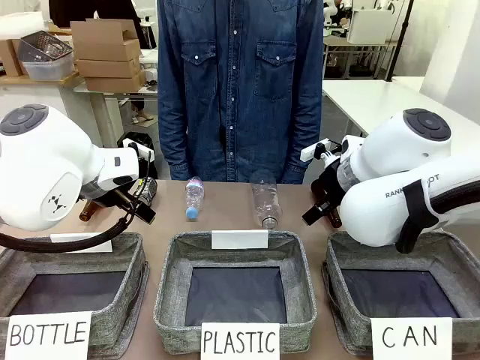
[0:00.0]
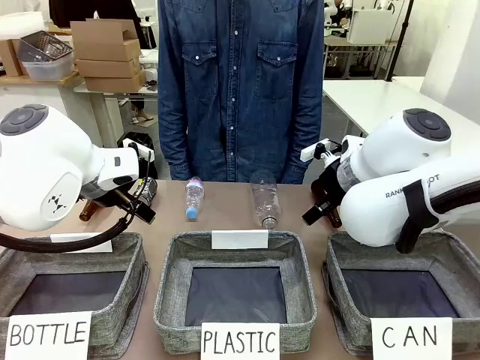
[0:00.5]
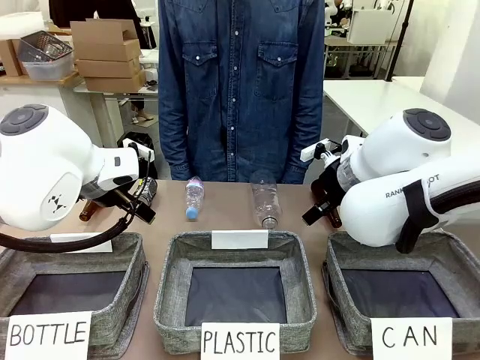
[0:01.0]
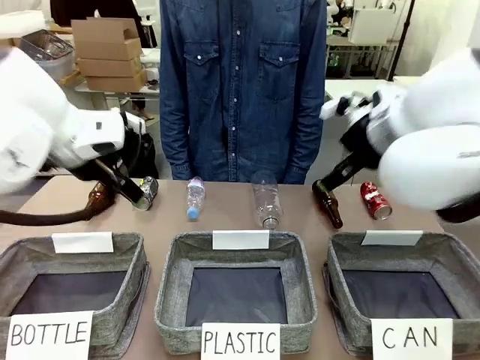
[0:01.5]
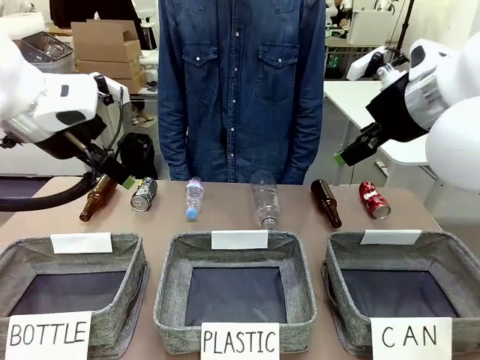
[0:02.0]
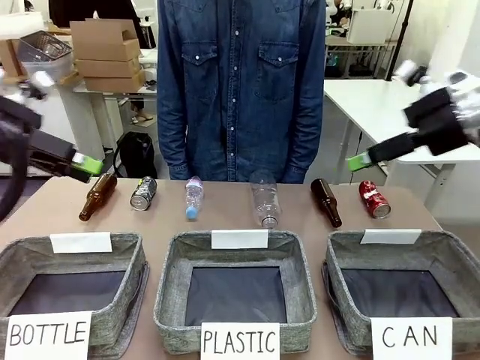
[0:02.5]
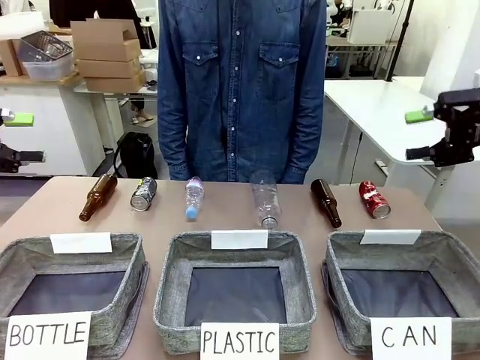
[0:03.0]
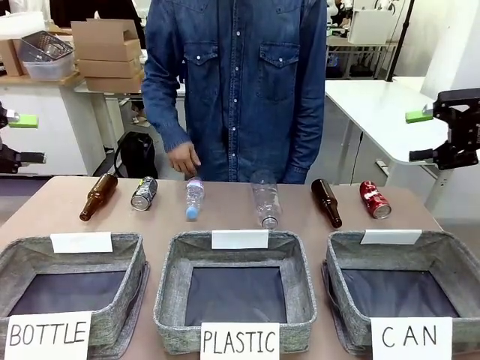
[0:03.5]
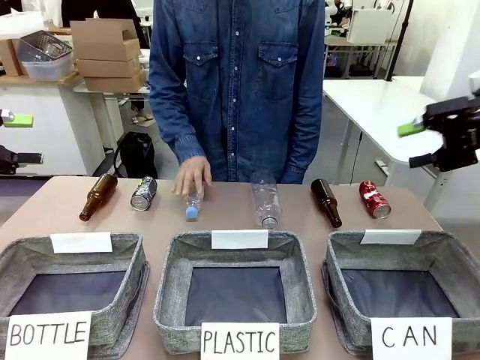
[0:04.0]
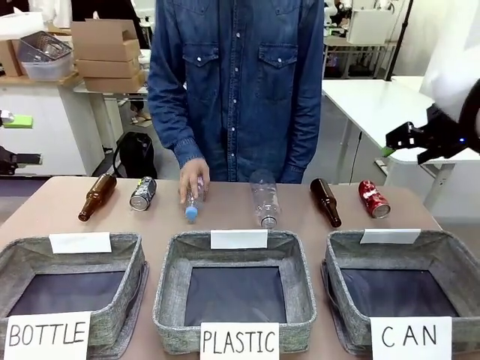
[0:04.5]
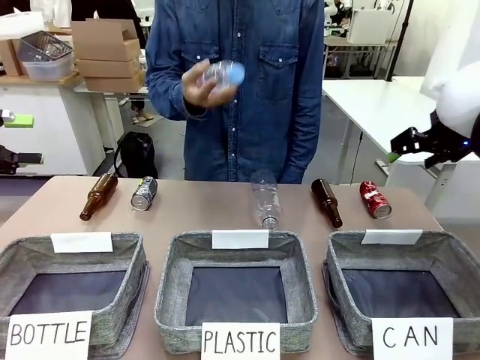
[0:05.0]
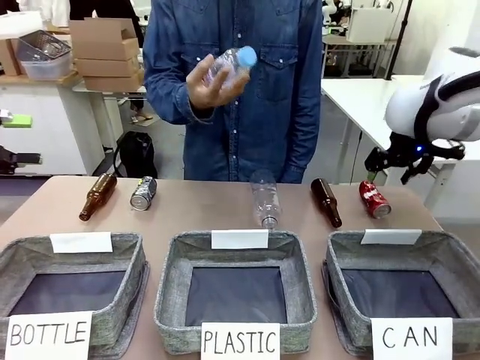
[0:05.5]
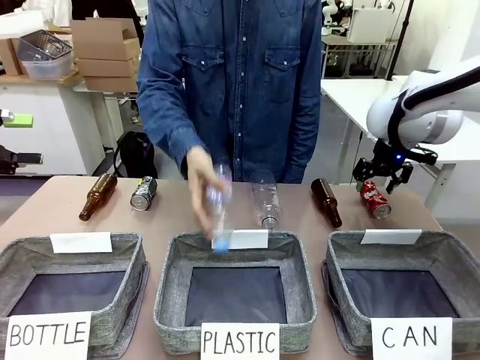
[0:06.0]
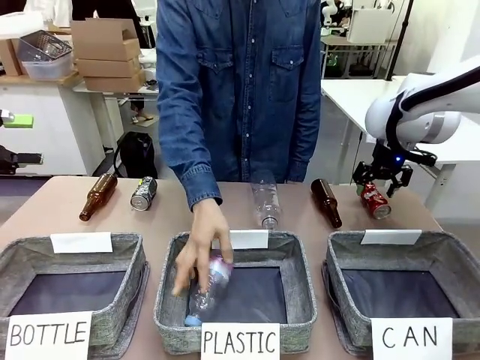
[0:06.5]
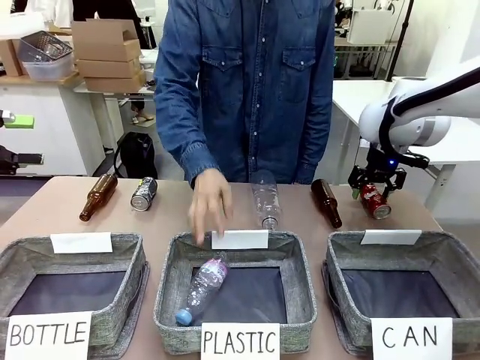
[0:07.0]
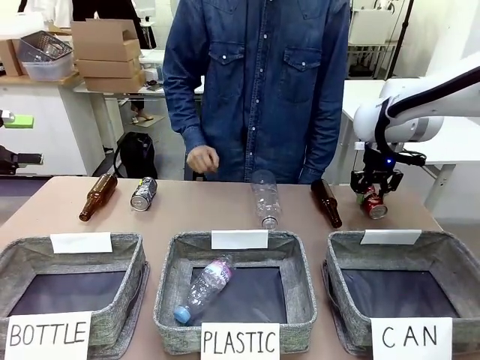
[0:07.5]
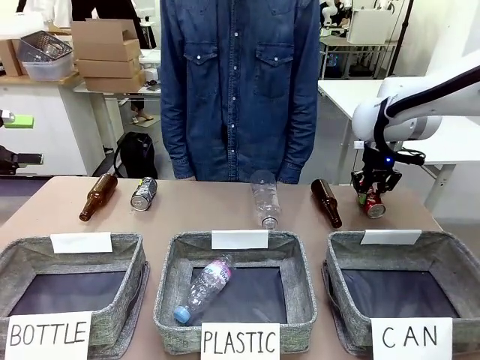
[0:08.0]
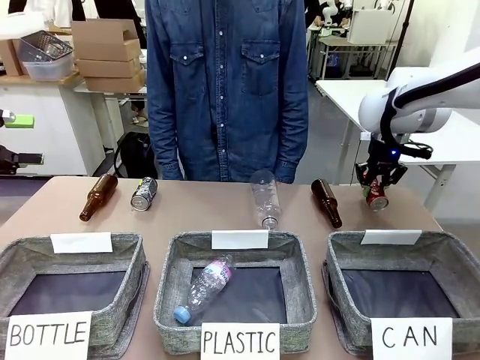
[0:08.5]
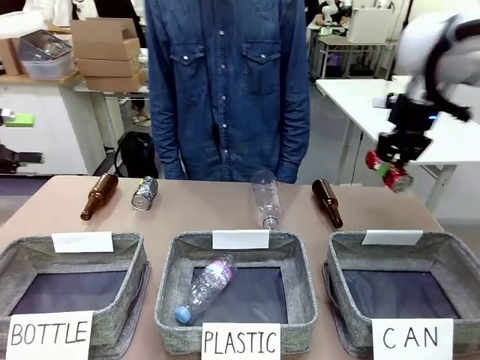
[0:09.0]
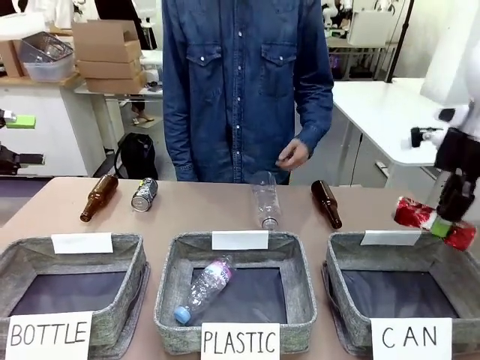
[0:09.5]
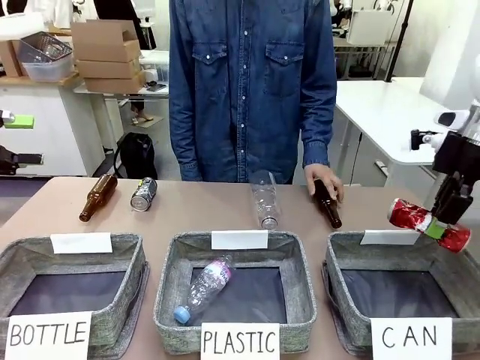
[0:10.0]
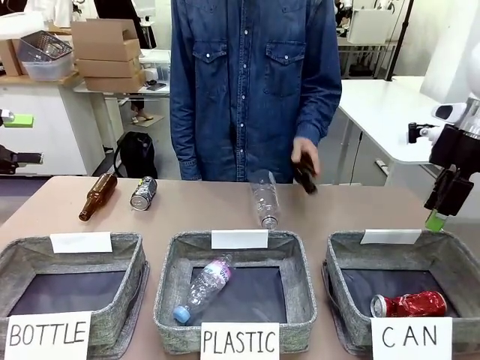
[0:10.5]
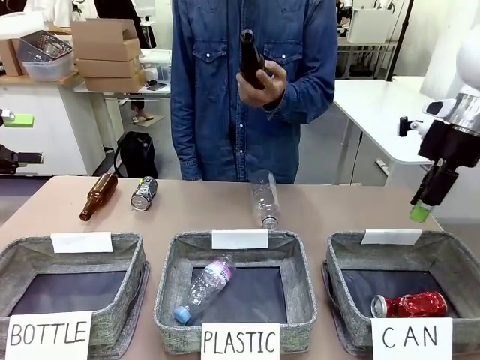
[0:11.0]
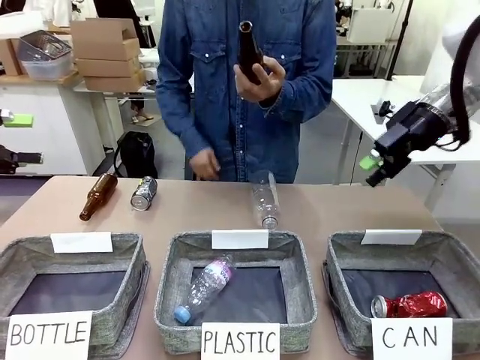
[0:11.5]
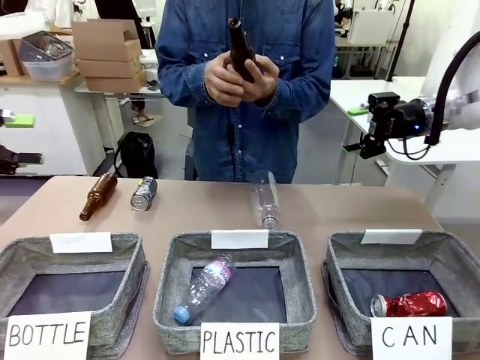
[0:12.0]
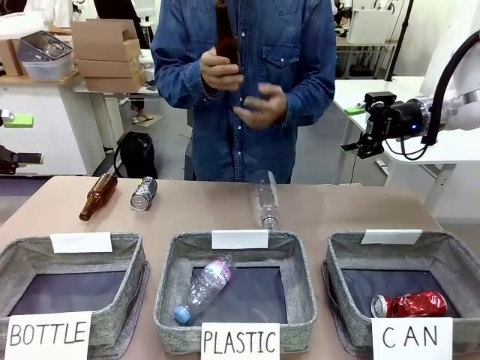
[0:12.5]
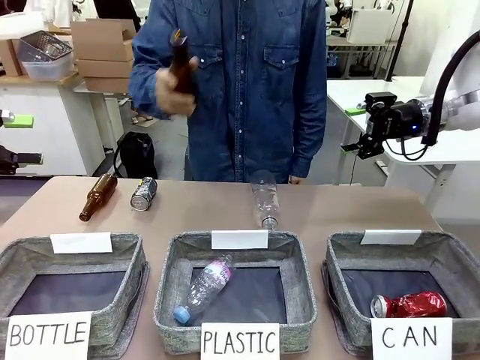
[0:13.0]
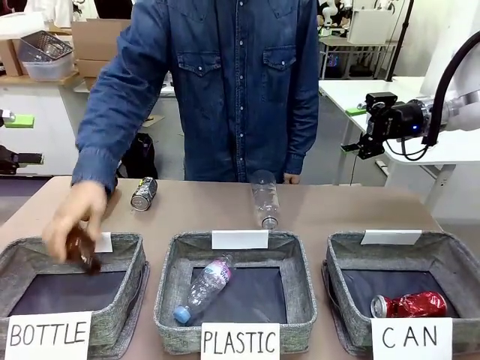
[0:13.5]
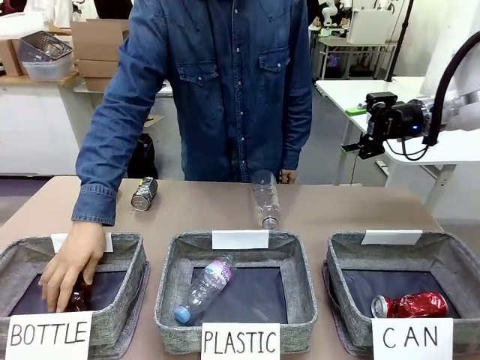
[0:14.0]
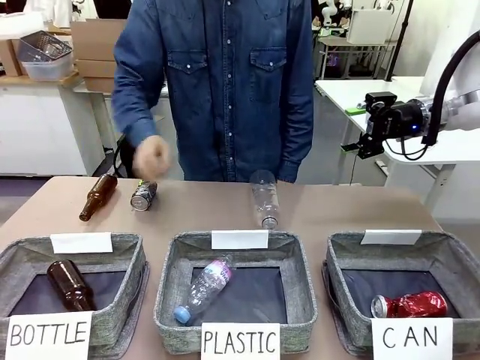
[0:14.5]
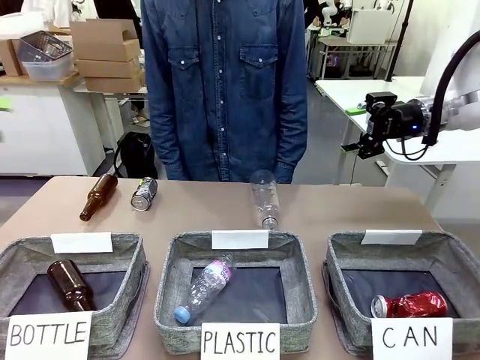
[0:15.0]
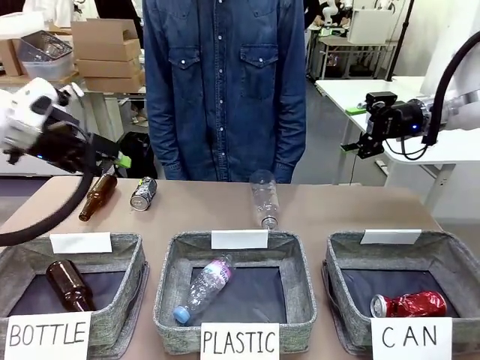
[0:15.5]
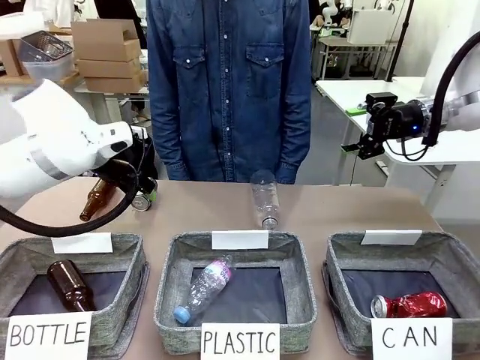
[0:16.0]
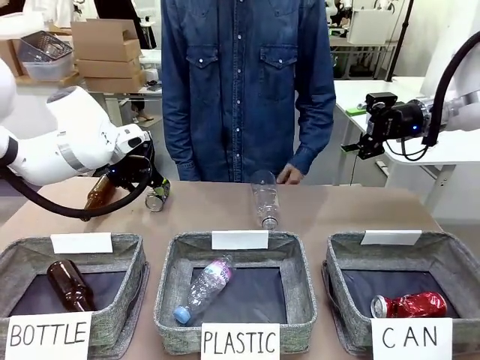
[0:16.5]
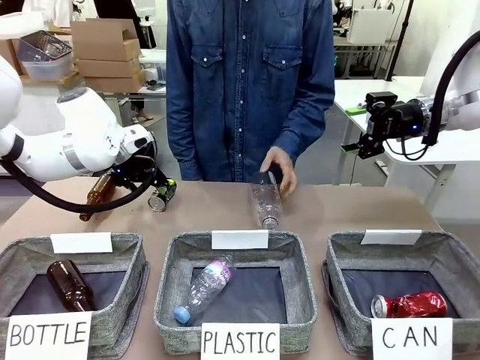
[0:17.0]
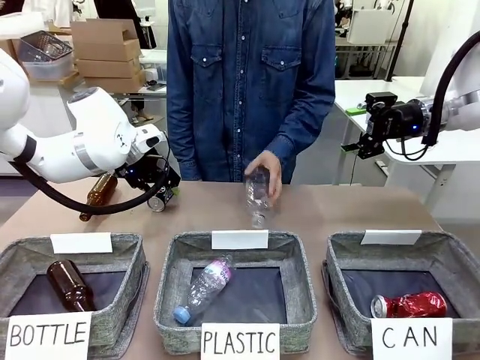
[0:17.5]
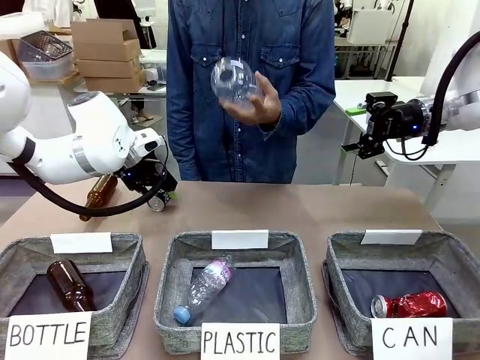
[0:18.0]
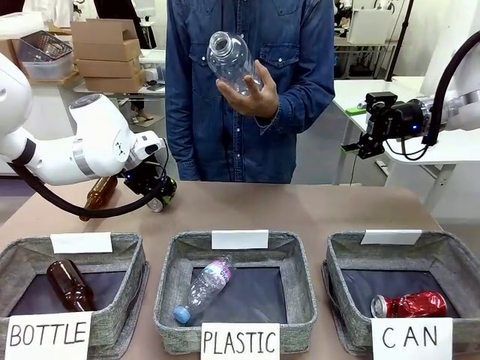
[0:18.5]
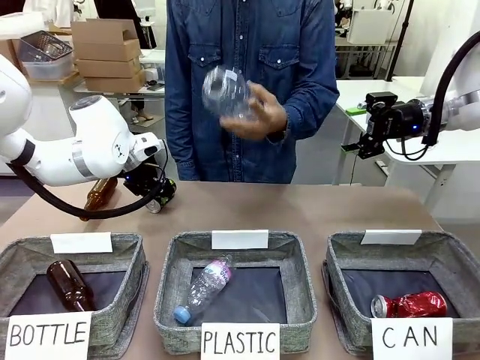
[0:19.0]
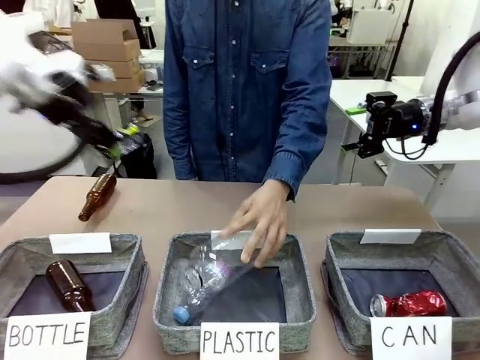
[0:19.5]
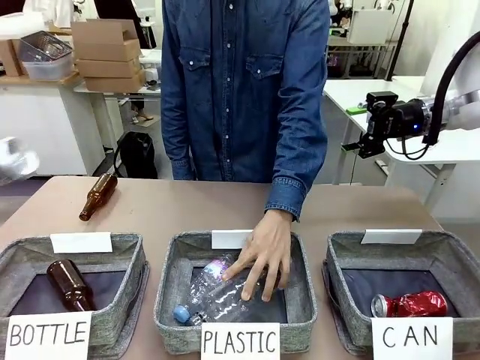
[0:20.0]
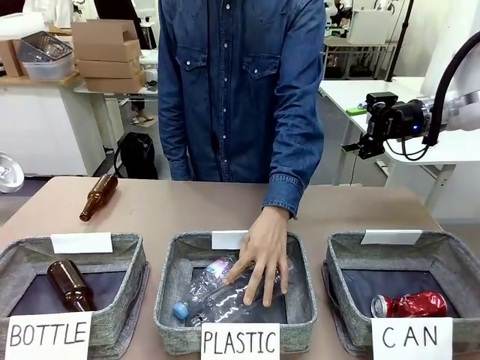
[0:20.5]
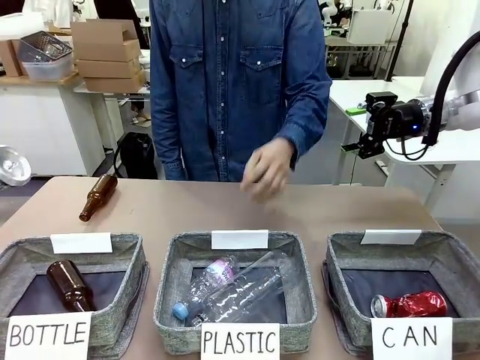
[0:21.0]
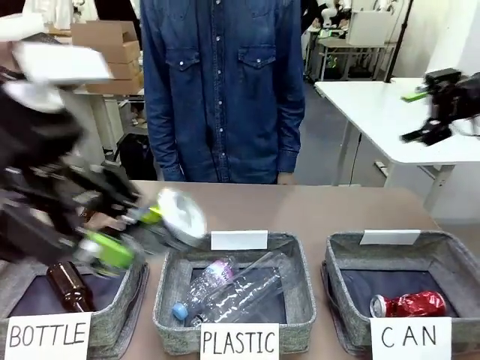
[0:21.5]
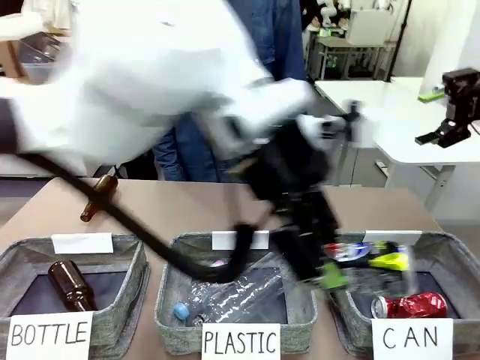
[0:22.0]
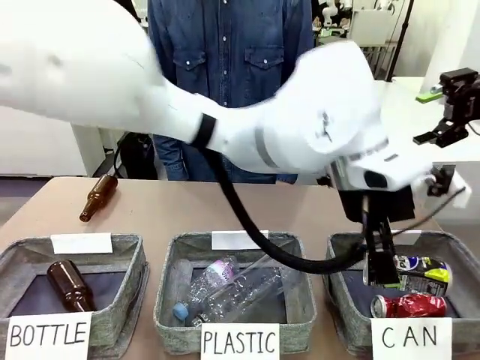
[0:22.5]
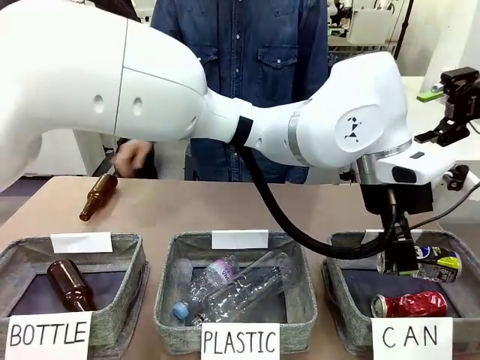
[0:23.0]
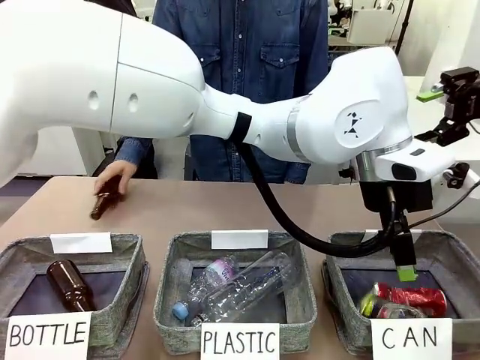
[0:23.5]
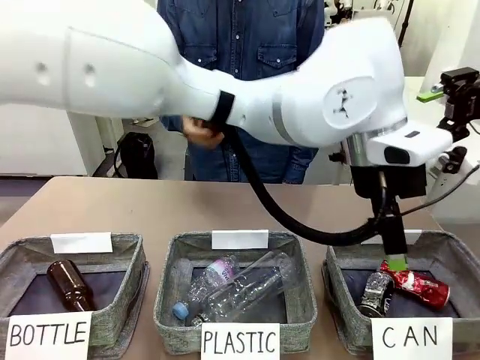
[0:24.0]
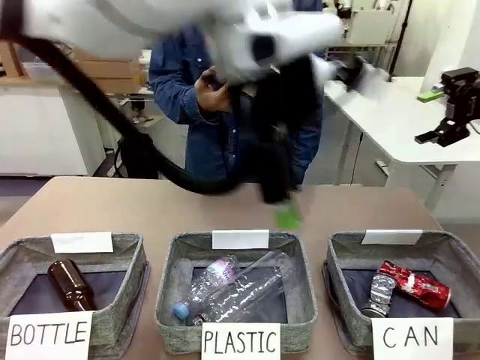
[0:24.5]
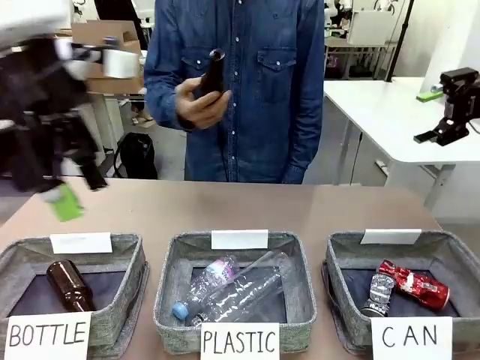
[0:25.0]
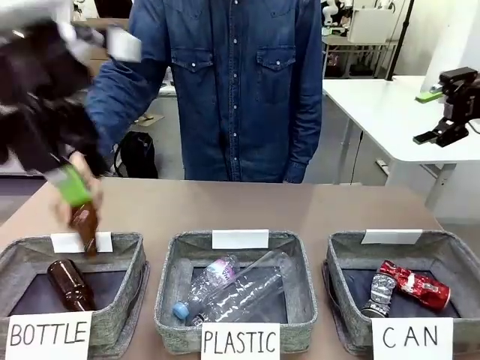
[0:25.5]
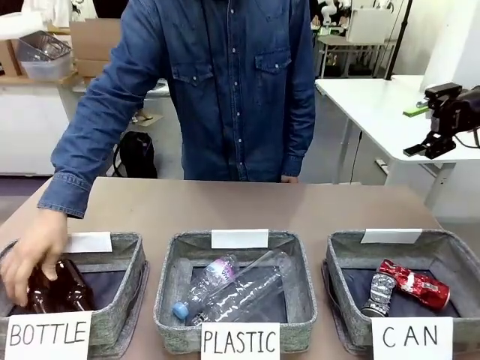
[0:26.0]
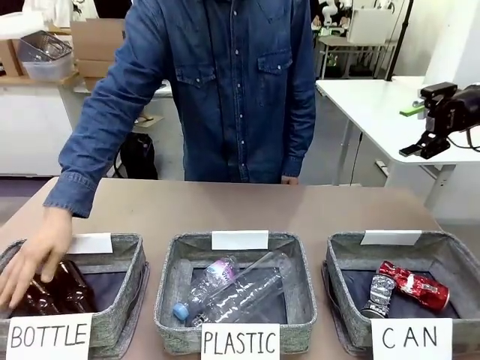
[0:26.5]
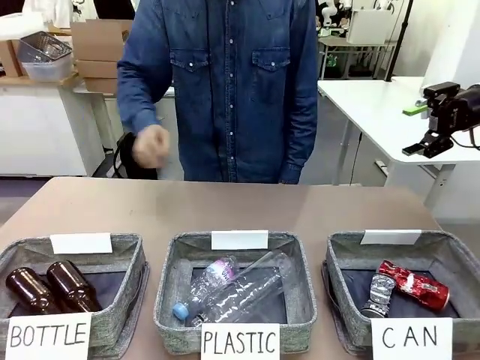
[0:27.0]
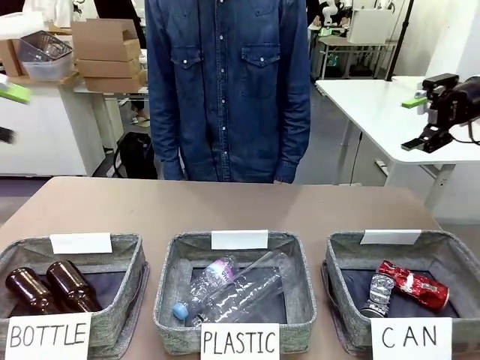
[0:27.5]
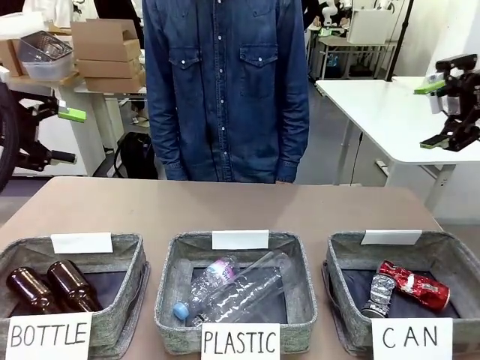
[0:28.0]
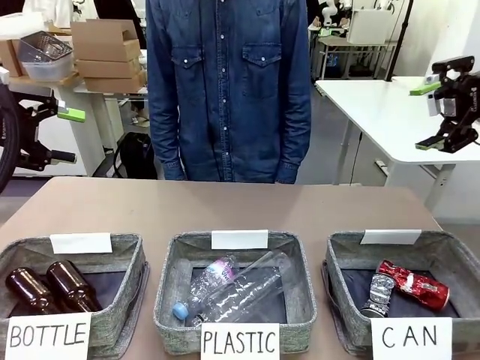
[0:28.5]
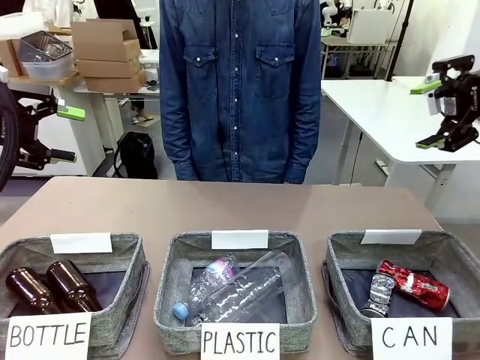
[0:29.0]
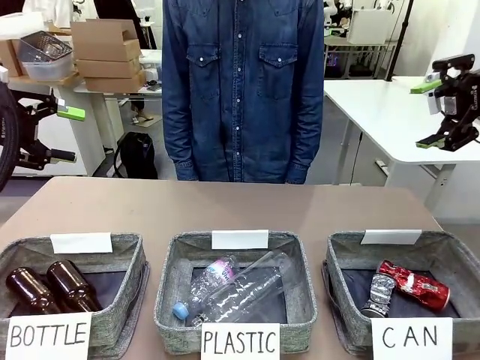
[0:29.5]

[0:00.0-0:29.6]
Task: Sort the can waste into the basket.
Robot: Pick up the can waste from the table and place it in the right Fabric basket.
Person: The human picks up one piece of trash that is not a can and places the trash into the appropriate organizing basket.
